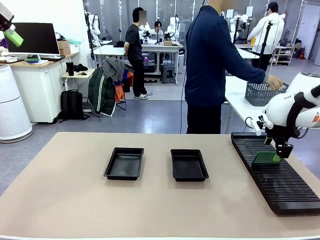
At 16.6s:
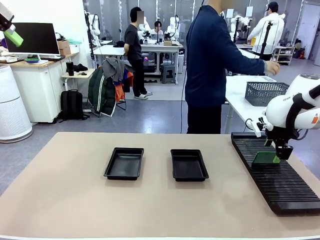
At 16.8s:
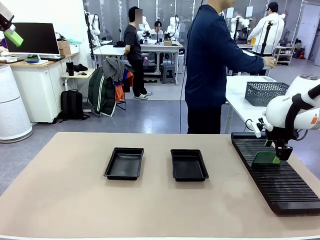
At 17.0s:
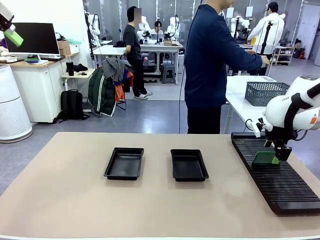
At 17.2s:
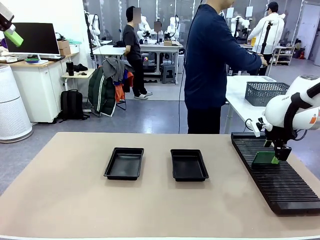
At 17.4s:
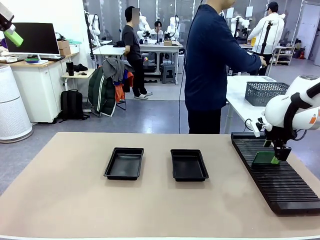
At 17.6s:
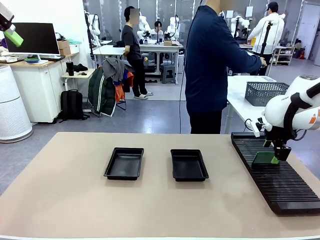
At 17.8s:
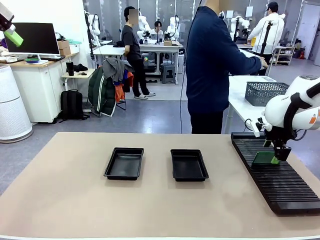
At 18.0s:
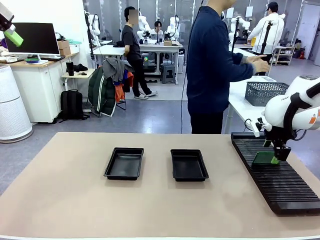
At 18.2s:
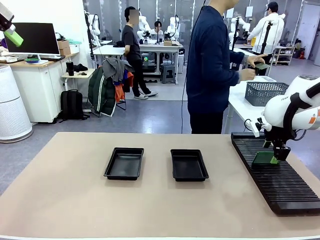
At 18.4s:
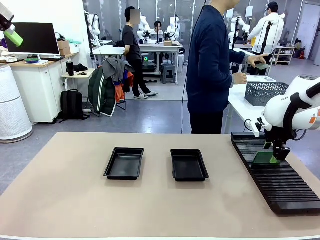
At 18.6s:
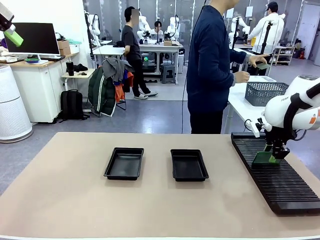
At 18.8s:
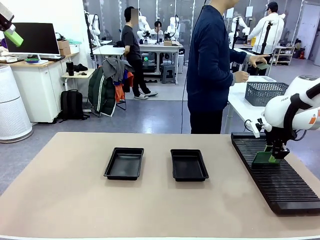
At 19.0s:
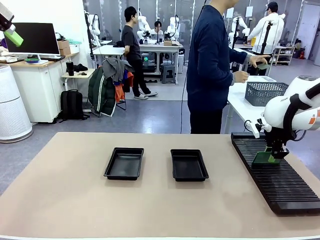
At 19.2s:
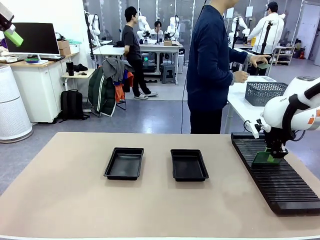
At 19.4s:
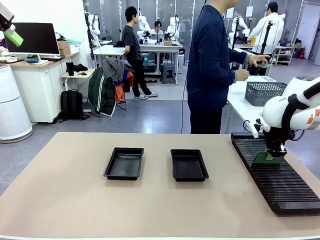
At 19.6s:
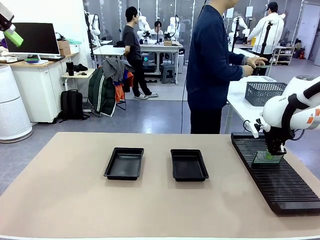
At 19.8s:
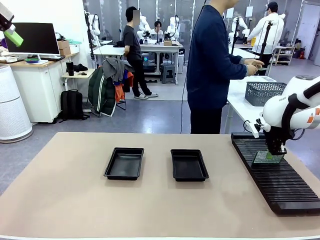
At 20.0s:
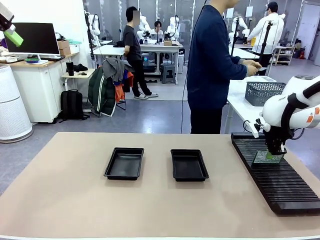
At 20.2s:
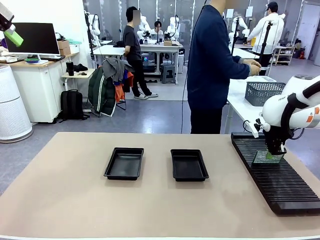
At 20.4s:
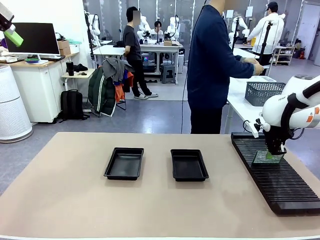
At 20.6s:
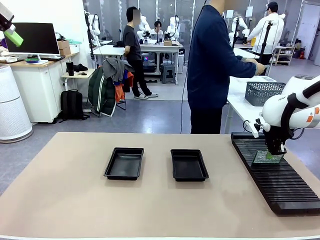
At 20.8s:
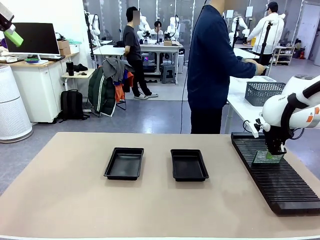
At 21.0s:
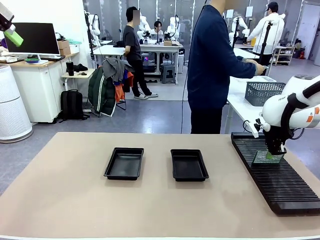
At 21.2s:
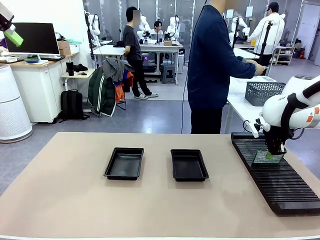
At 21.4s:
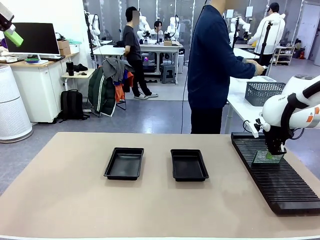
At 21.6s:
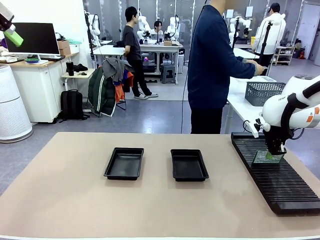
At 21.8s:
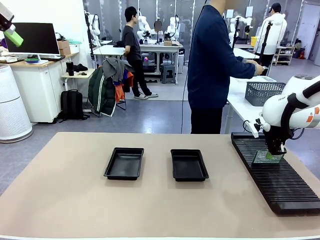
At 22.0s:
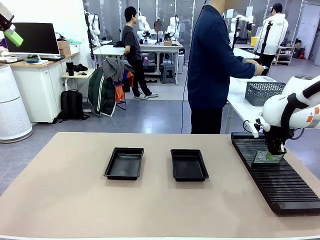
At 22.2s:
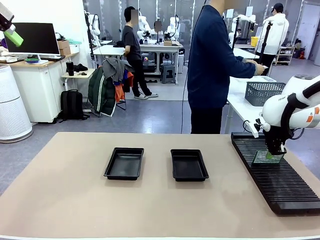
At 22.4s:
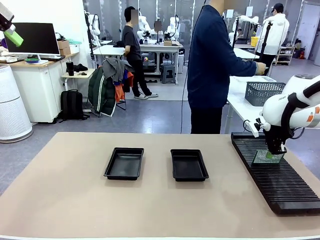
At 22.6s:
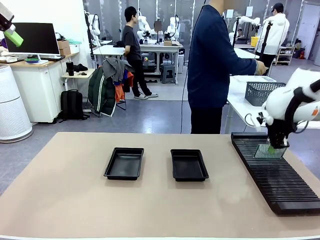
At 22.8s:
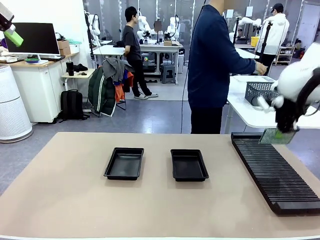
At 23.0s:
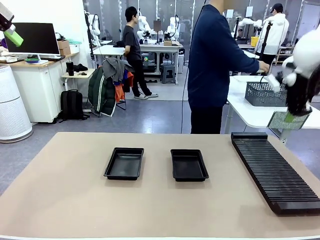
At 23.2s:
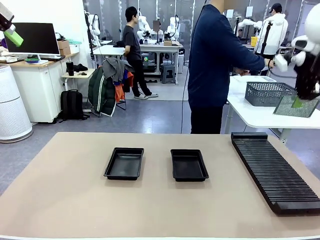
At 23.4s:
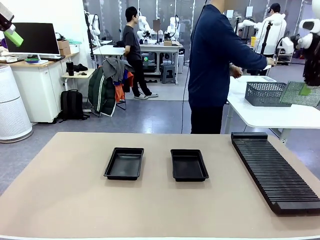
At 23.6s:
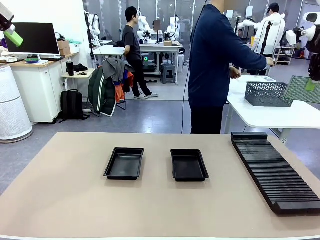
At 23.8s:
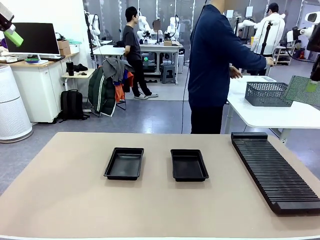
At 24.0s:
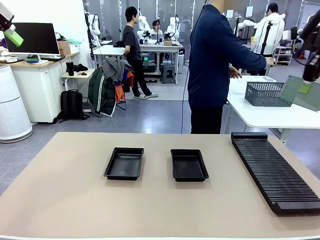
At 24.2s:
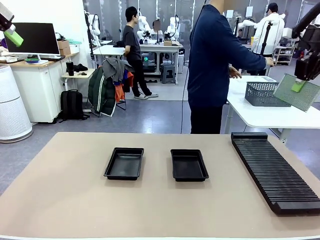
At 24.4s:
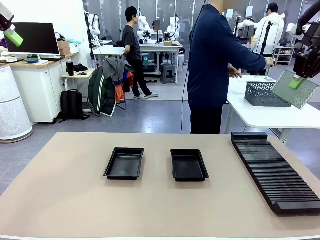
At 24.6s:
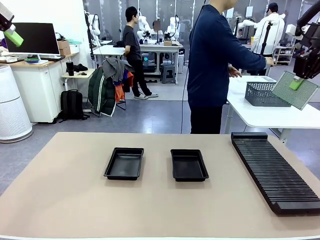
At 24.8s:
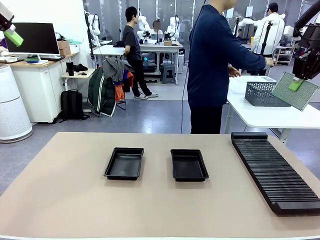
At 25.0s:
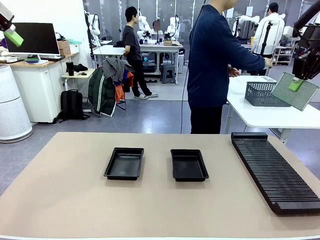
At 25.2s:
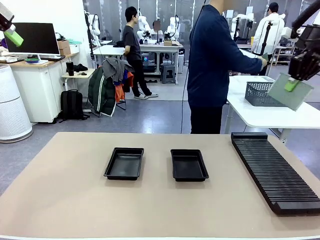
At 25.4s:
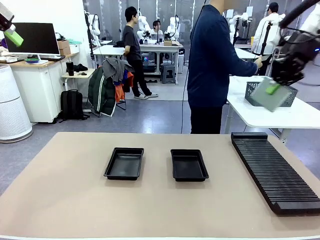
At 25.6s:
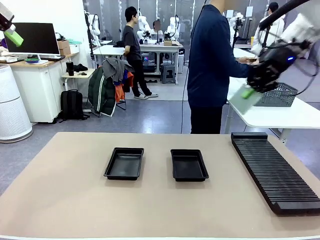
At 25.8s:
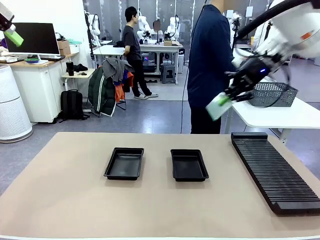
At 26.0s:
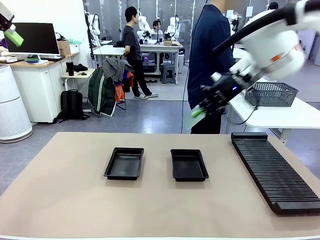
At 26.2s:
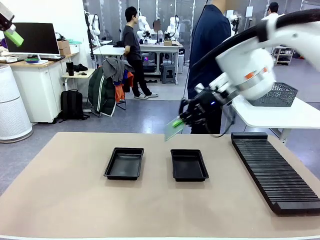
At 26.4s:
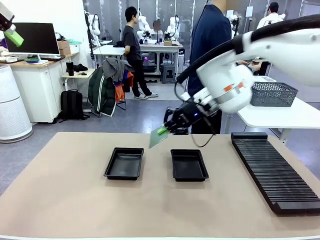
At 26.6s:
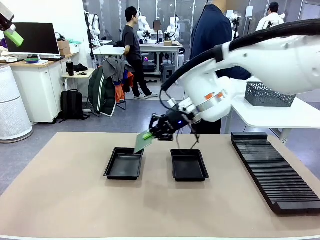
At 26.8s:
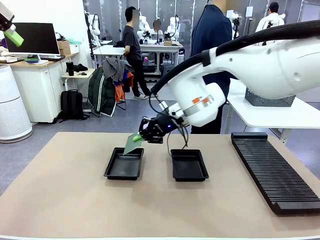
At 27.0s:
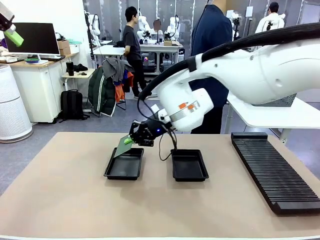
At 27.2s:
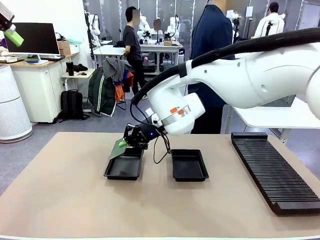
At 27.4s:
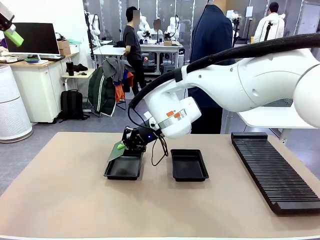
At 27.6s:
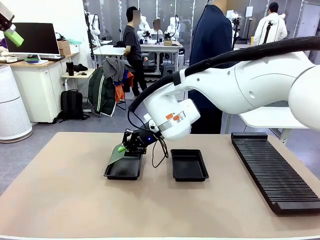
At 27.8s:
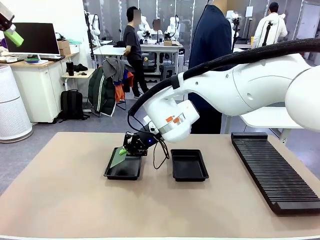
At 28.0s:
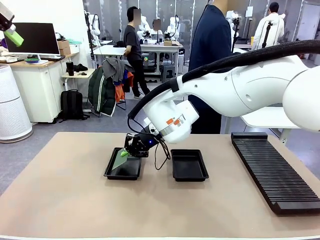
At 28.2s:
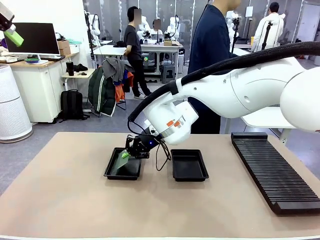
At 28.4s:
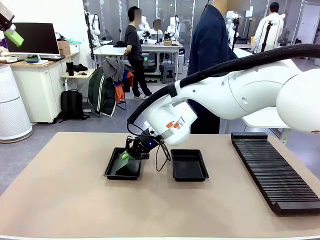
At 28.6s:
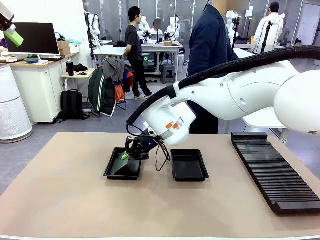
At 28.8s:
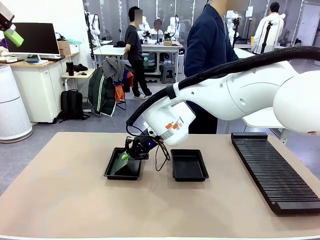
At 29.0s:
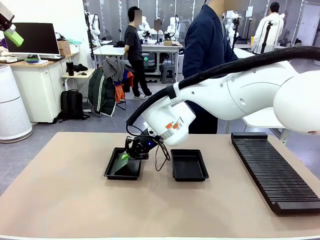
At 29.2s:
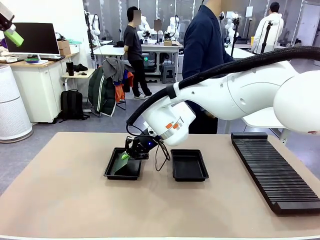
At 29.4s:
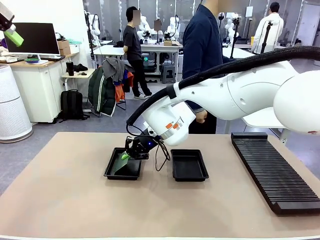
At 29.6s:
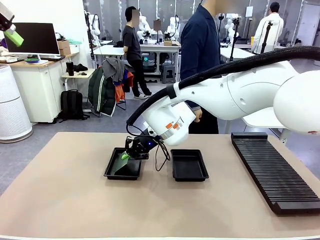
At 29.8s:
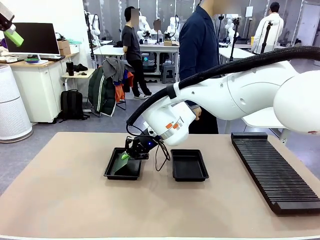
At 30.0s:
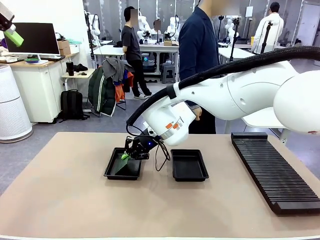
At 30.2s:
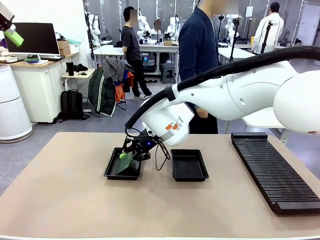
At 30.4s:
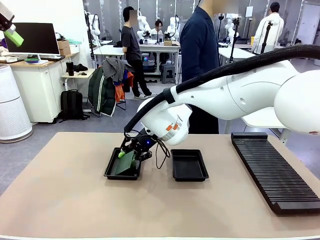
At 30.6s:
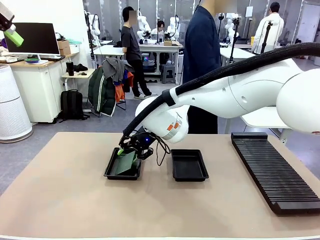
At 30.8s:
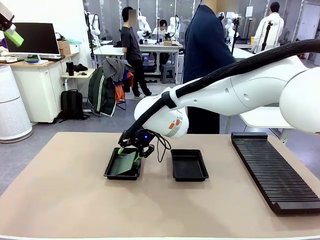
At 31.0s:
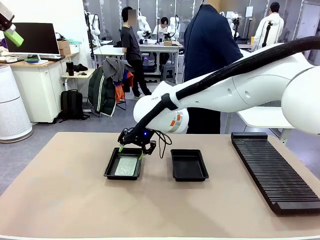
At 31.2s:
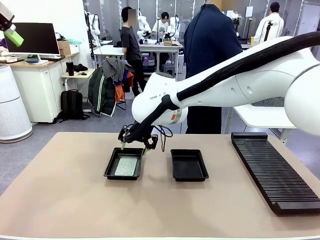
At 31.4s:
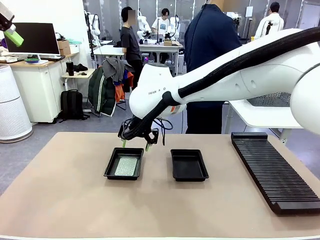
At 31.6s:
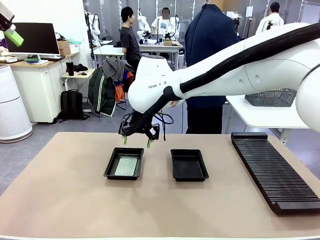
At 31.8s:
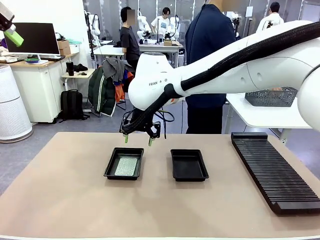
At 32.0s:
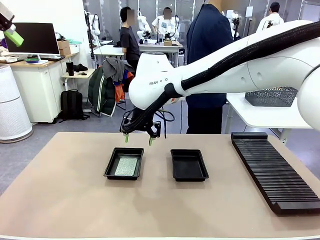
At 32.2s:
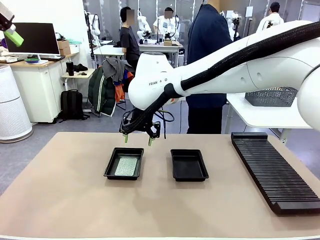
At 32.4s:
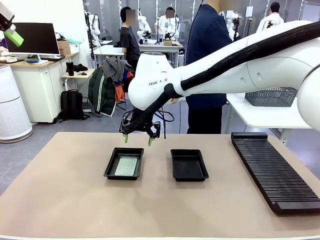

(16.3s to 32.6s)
Task: Inspect and transfer BCBs to ESD trays.
Robot: Pick up the Blank PCB from the PCB Rack and place it in the left ESD tray.
